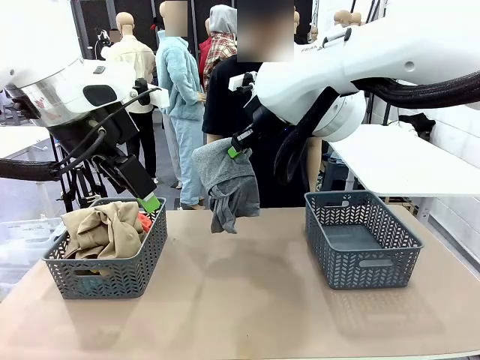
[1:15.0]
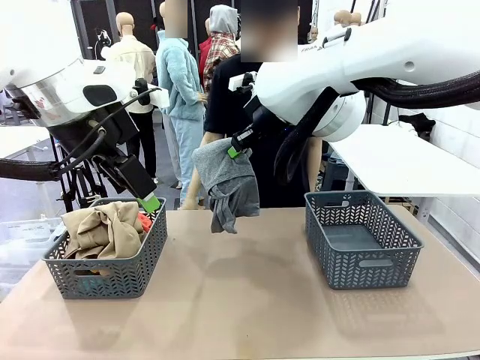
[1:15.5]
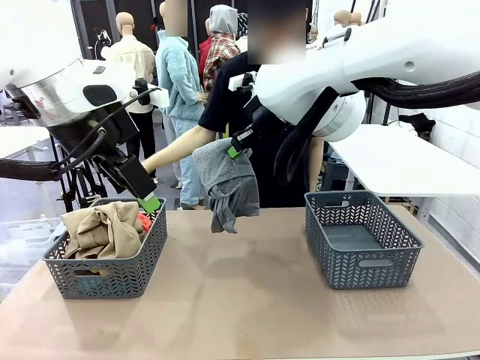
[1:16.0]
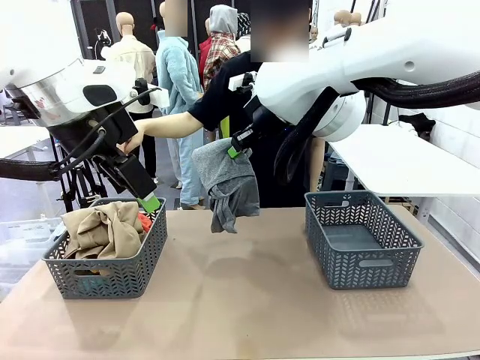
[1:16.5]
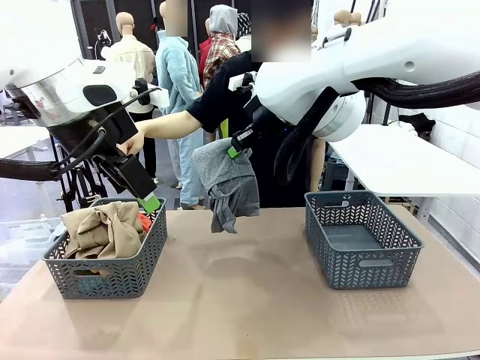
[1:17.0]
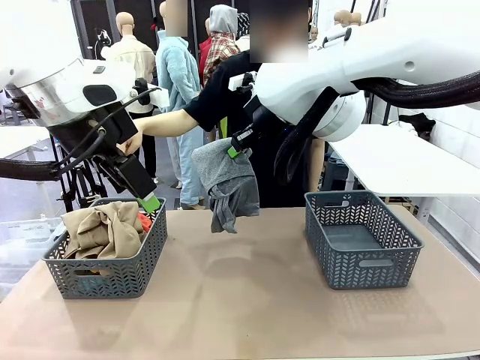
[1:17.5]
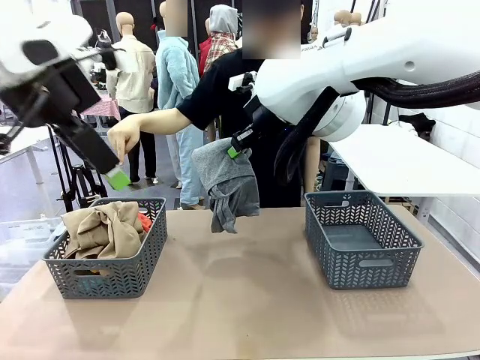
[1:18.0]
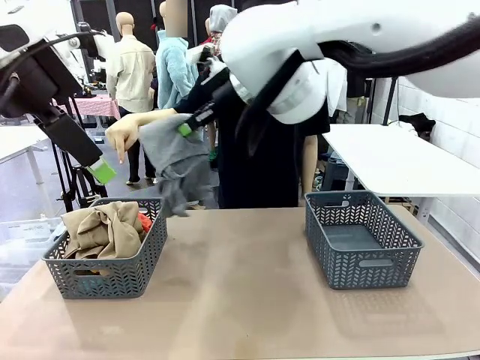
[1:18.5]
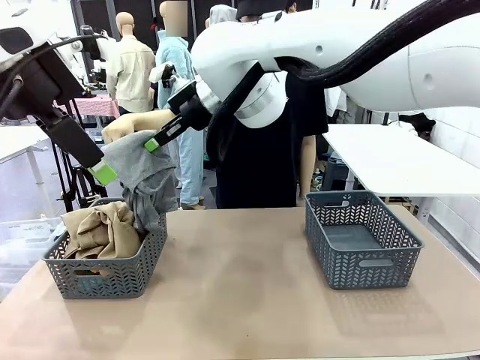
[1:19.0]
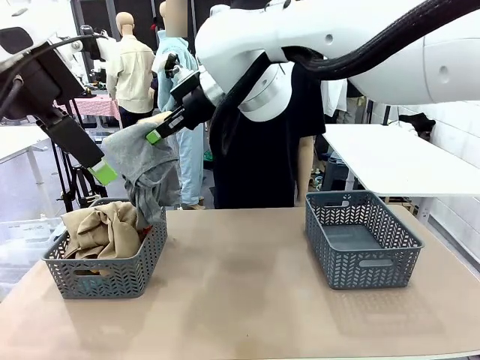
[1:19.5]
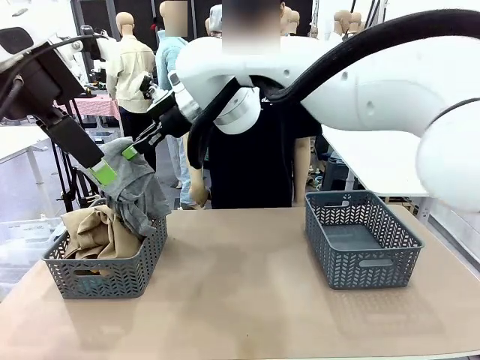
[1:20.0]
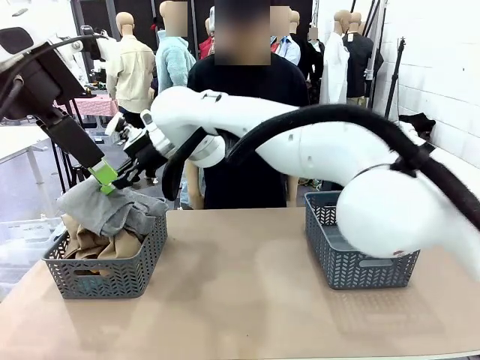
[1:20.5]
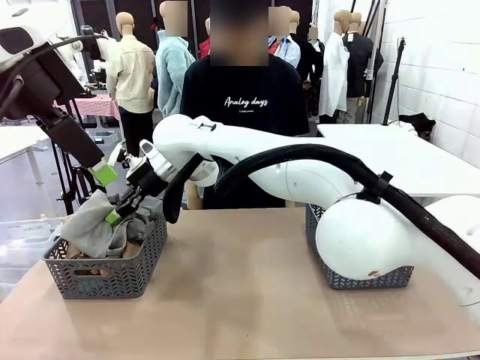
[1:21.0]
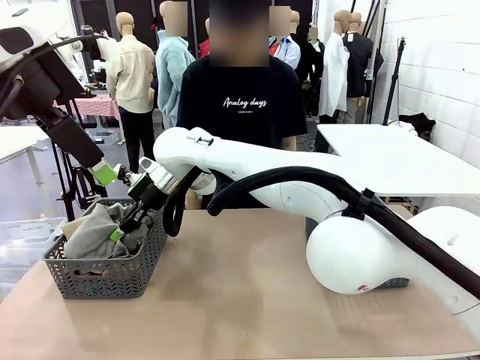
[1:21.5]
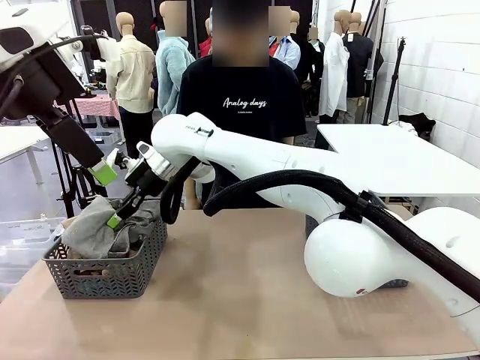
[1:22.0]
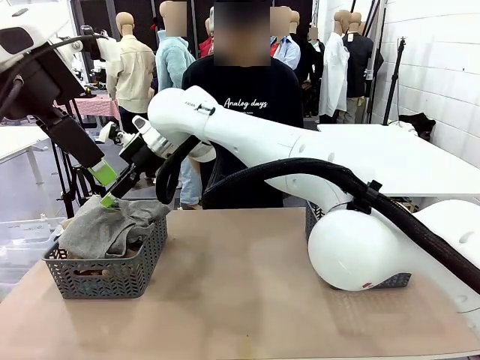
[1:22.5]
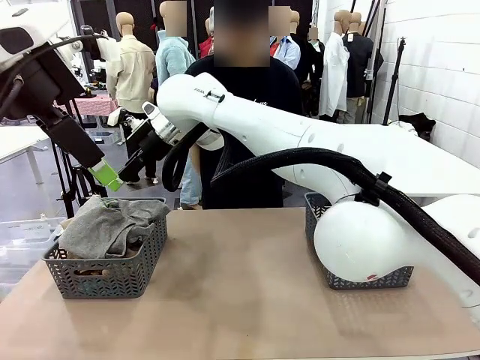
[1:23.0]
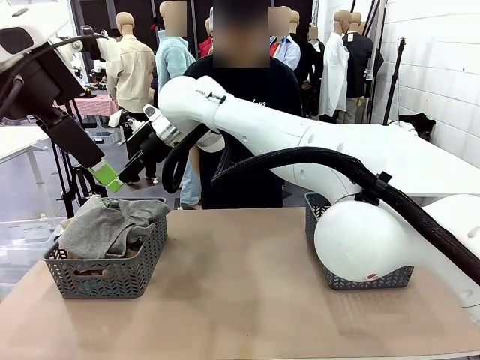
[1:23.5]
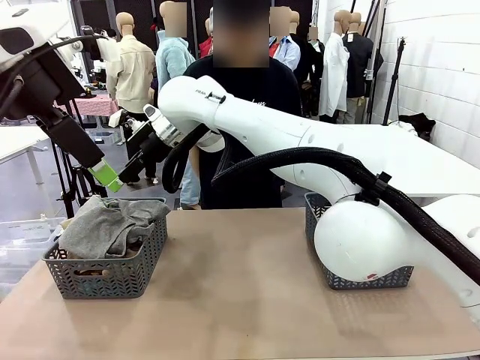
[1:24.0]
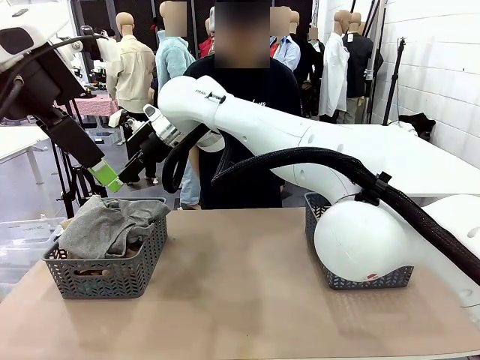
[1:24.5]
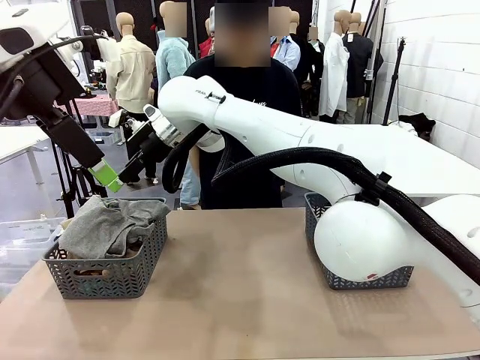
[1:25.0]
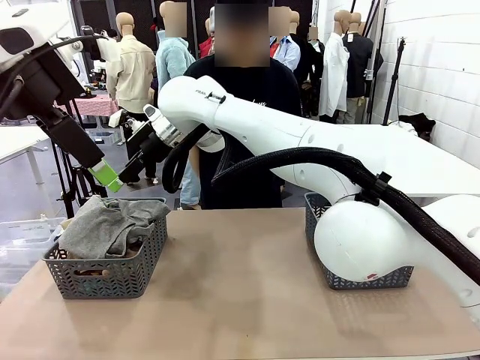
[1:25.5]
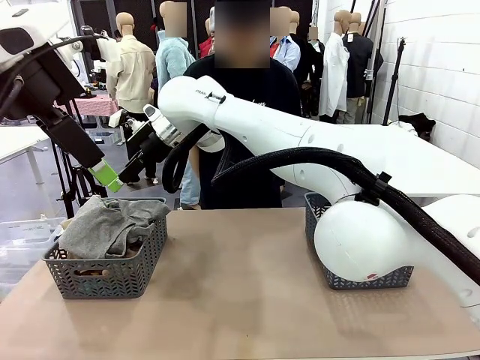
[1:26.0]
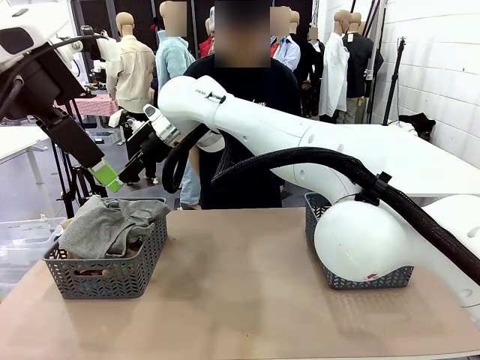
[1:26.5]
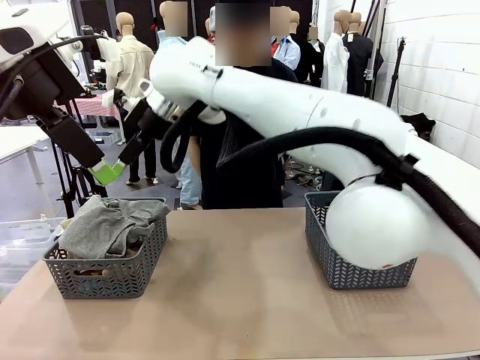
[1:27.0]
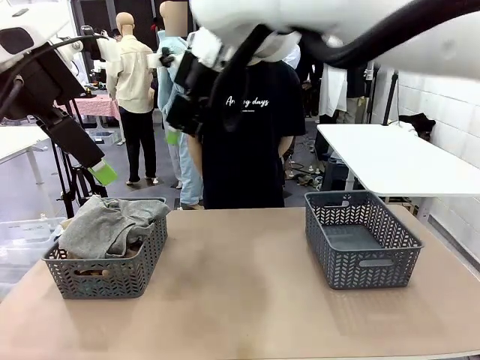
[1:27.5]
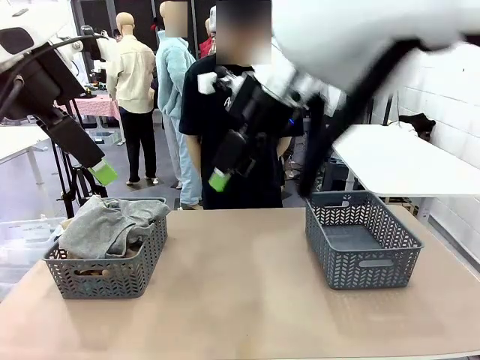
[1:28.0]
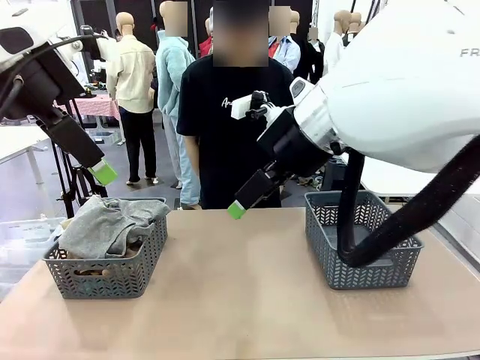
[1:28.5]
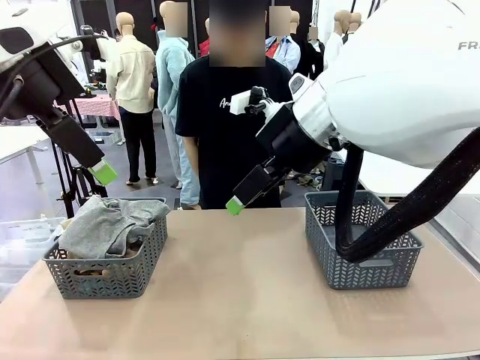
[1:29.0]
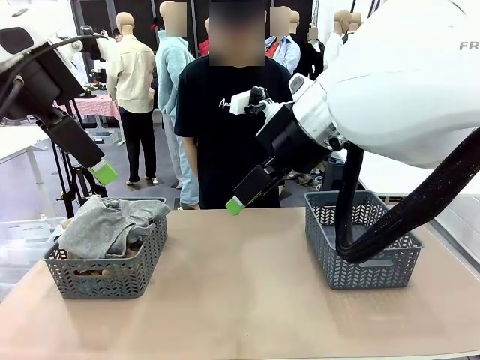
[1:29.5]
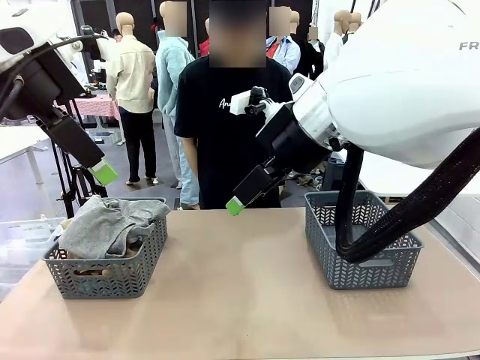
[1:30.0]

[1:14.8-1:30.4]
Task: Sort the tops and bottoms.
Robot: Sort the clothes according to human instructions.

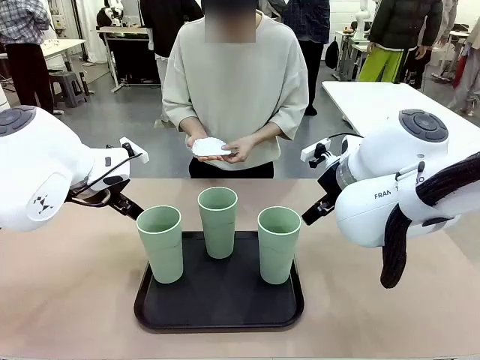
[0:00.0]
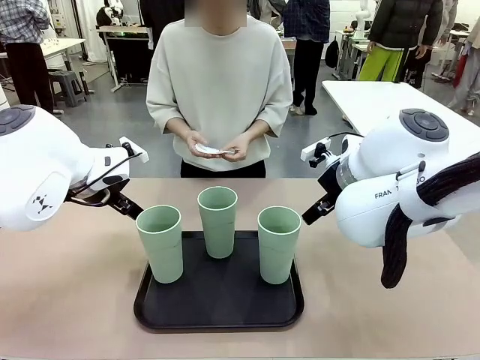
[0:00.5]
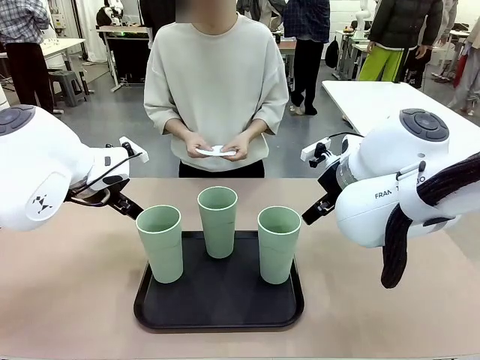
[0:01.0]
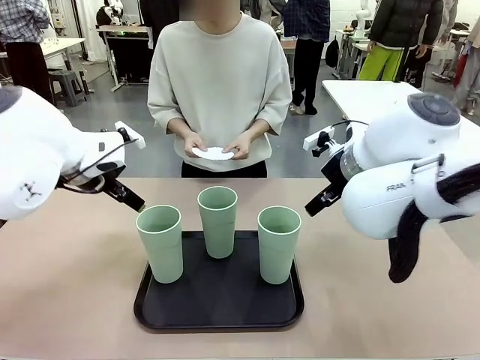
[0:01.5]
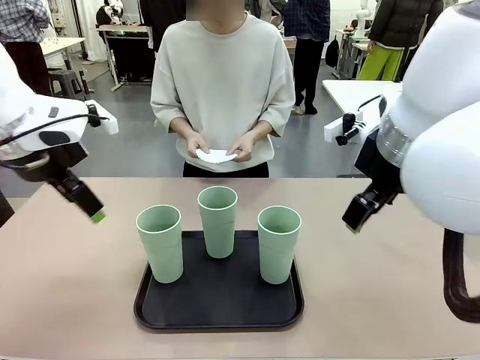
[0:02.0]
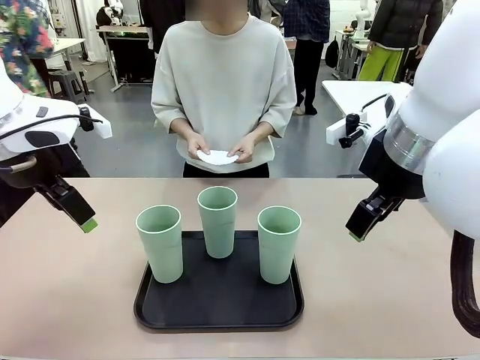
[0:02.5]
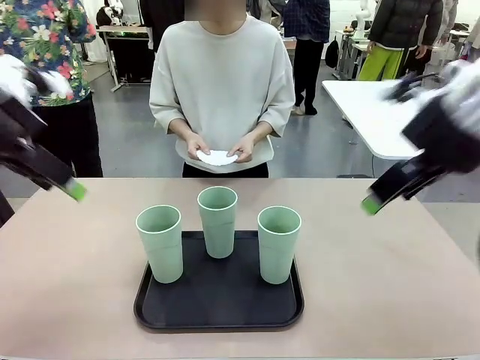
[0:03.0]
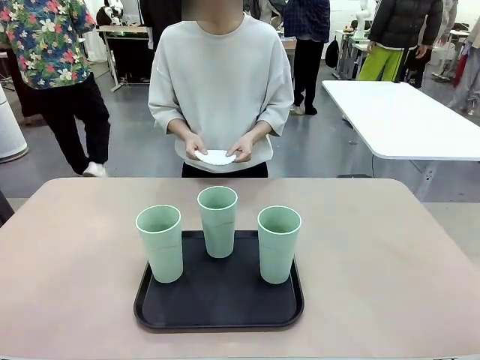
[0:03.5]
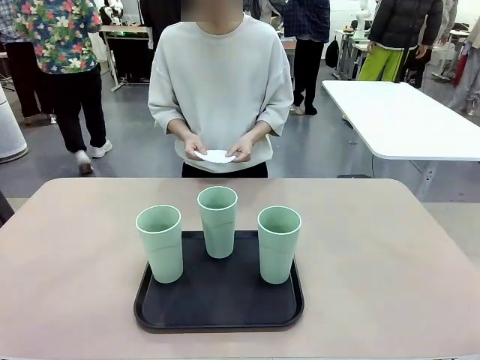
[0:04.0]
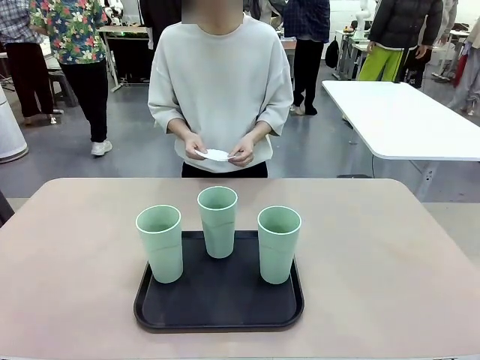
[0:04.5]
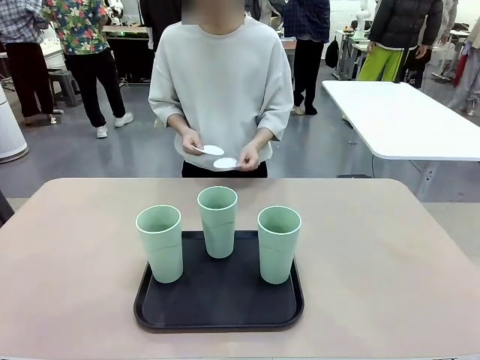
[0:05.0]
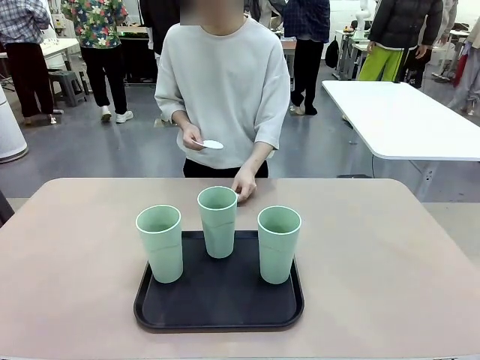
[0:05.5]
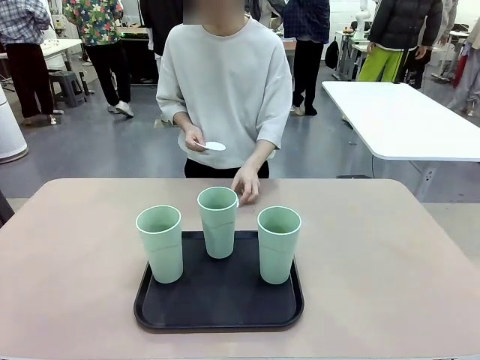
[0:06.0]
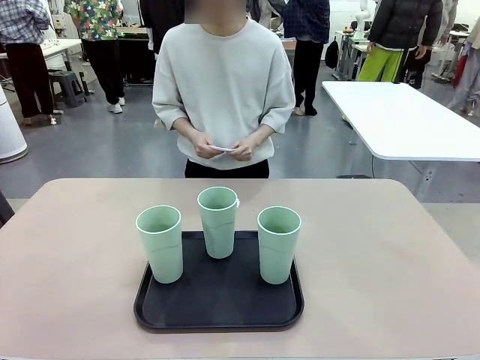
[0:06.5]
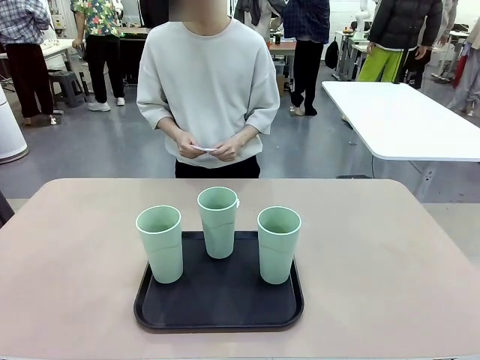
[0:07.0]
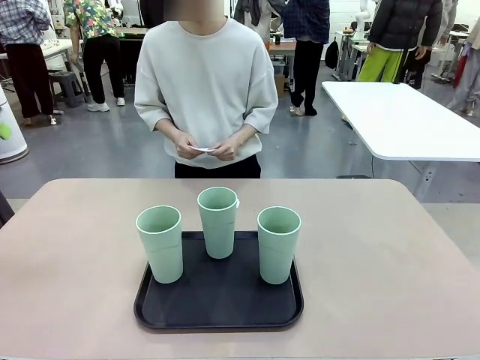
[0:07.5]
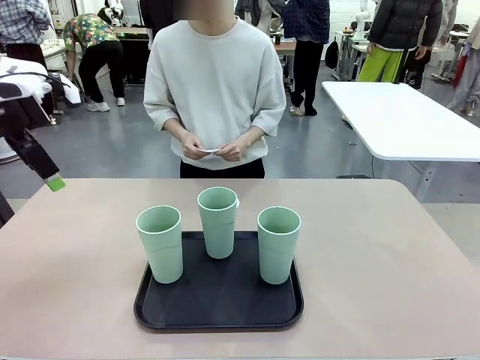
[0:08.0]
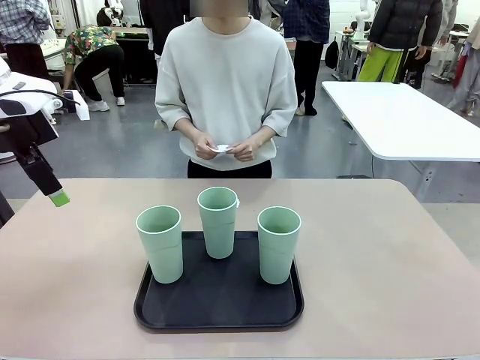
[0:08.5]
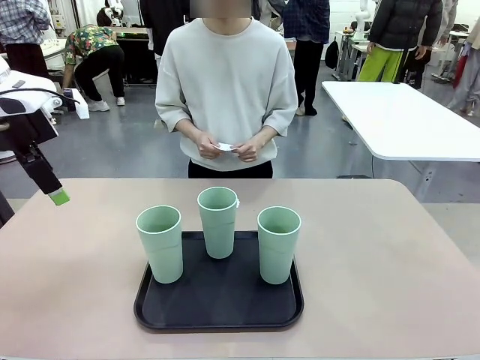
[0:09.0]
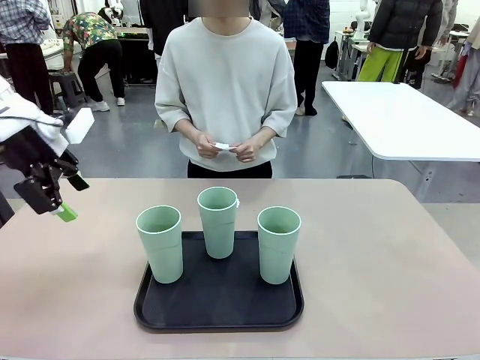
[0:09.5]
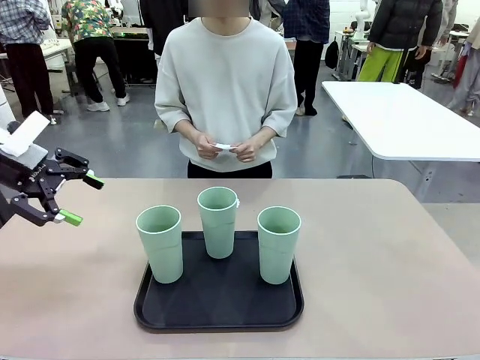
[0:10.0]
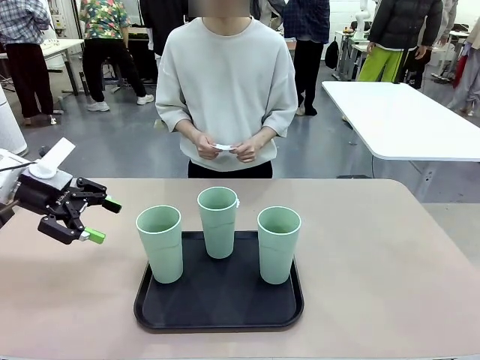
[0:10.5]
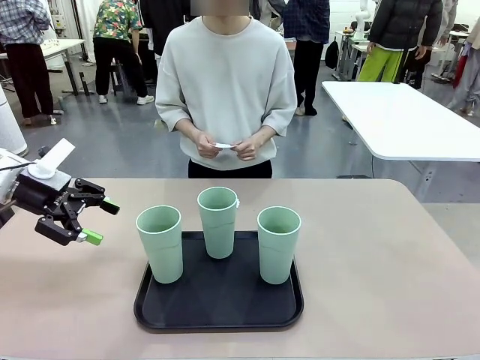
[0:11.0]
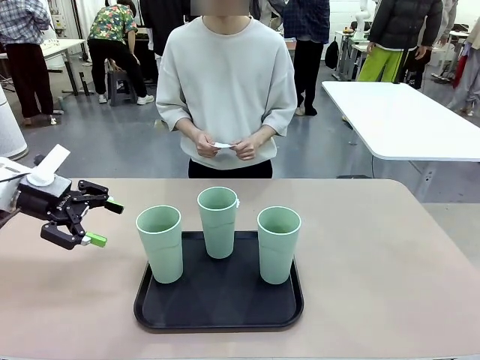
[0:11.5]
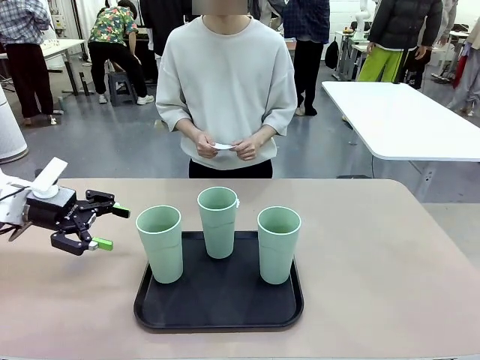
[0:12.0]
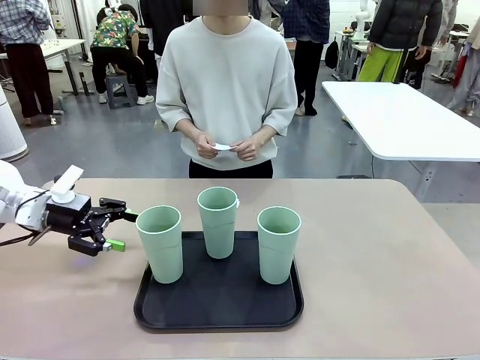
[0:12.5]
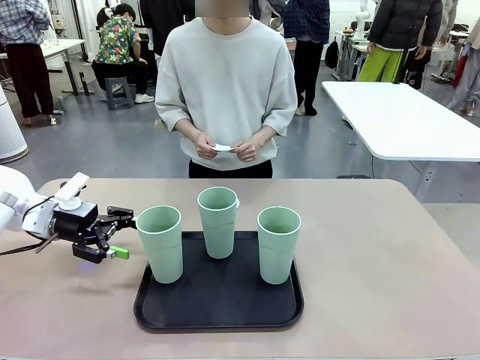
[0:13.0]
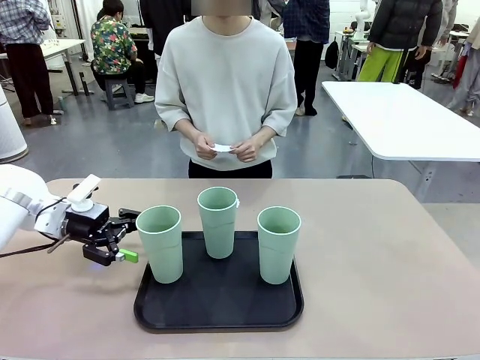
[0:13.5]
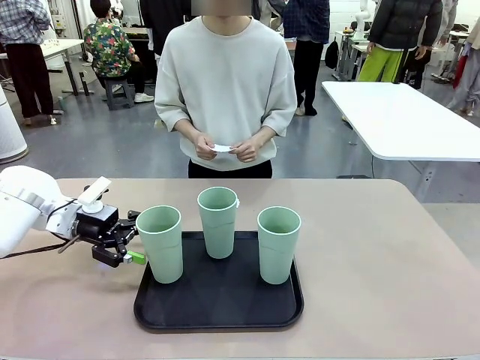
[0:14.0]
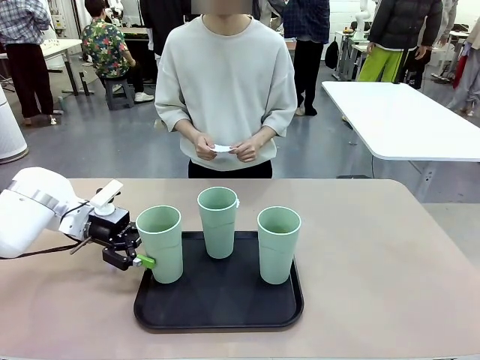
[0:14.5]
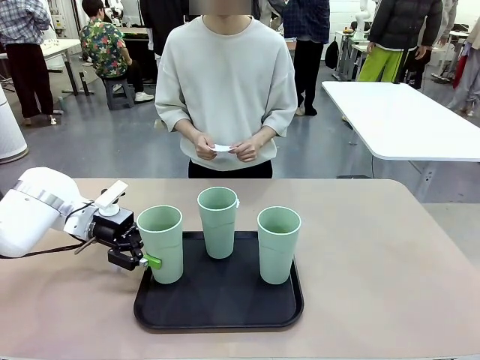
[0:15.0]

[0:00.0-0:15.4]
Task: Place coasters on the table and set cups on them.
Robot: Pick up one Reusable plastic cup and place it on a coaster set by the human.
Person: Place one coaster in any one of the three lower areas of the robot table (left, center, or right).
